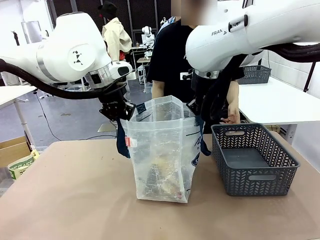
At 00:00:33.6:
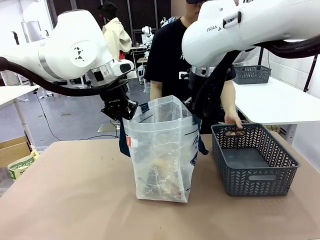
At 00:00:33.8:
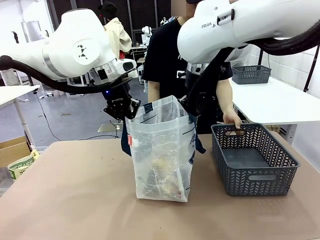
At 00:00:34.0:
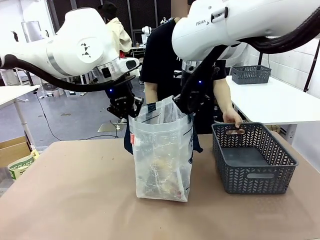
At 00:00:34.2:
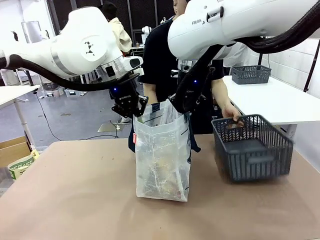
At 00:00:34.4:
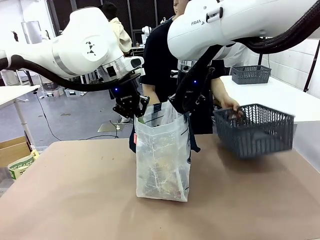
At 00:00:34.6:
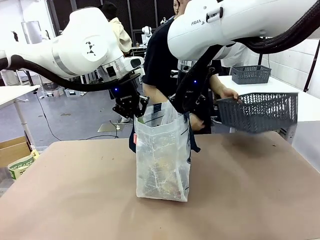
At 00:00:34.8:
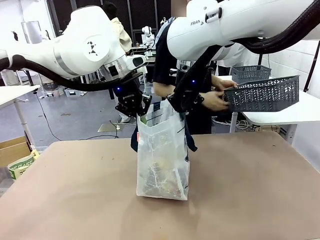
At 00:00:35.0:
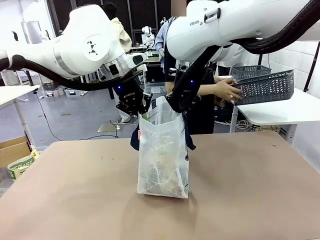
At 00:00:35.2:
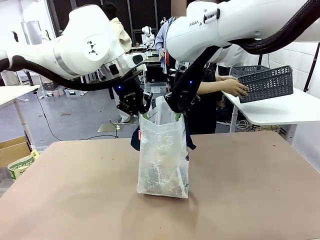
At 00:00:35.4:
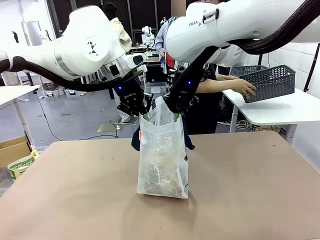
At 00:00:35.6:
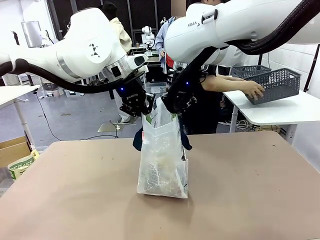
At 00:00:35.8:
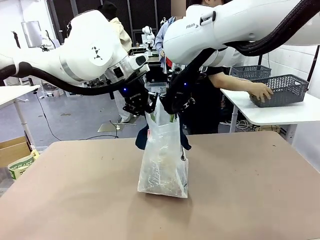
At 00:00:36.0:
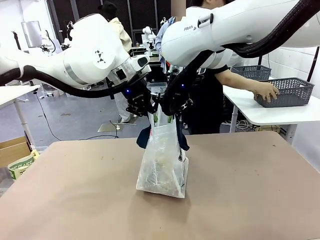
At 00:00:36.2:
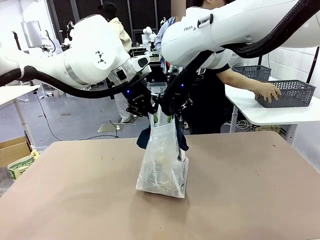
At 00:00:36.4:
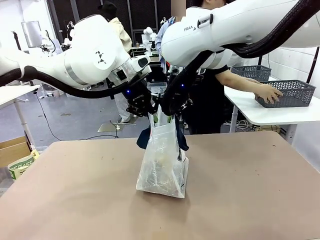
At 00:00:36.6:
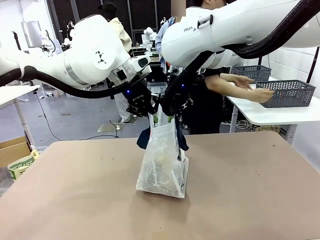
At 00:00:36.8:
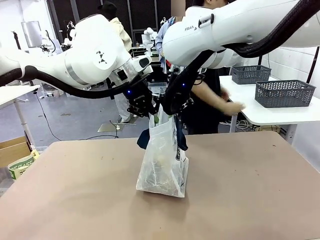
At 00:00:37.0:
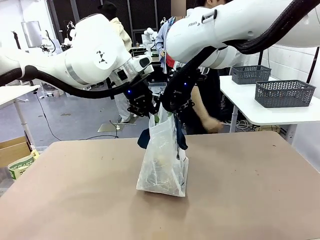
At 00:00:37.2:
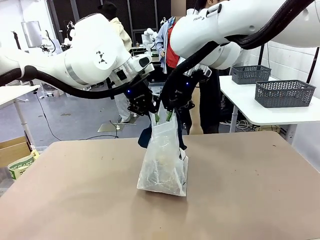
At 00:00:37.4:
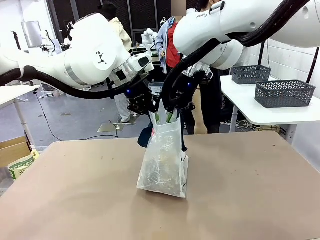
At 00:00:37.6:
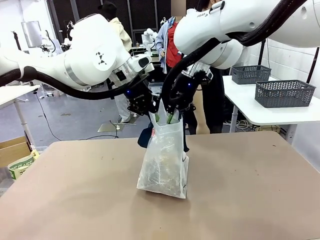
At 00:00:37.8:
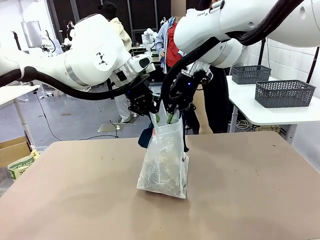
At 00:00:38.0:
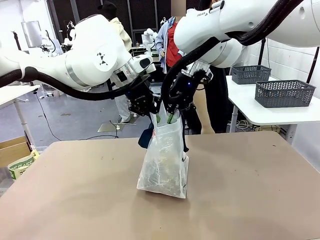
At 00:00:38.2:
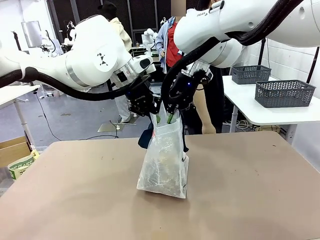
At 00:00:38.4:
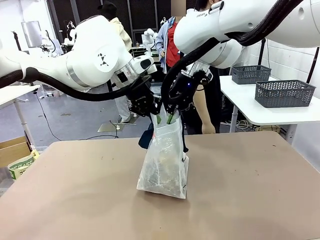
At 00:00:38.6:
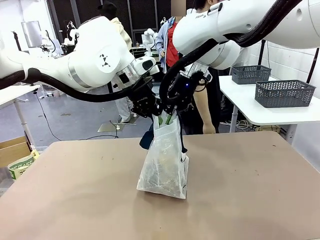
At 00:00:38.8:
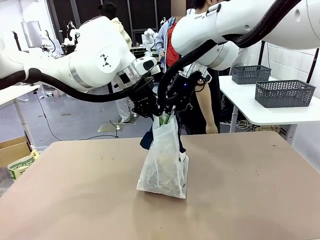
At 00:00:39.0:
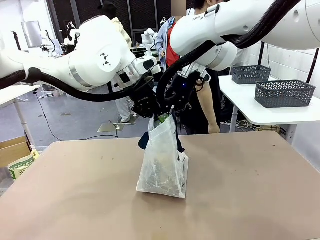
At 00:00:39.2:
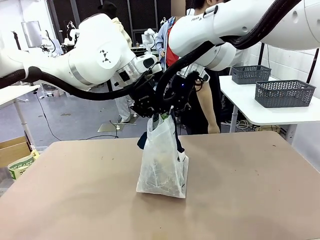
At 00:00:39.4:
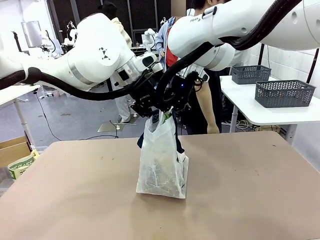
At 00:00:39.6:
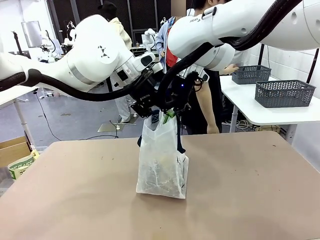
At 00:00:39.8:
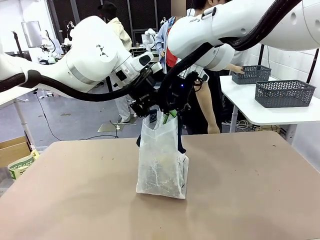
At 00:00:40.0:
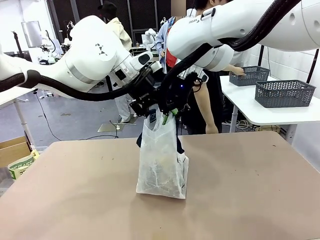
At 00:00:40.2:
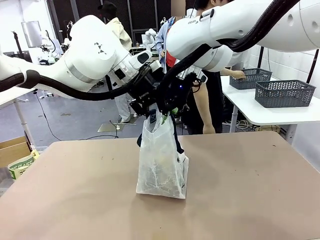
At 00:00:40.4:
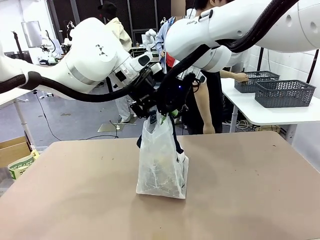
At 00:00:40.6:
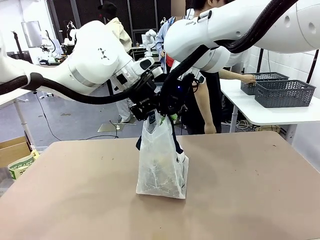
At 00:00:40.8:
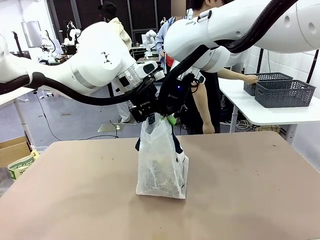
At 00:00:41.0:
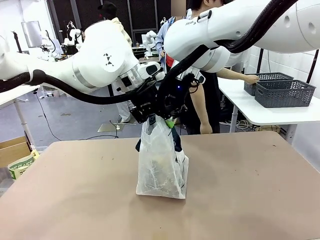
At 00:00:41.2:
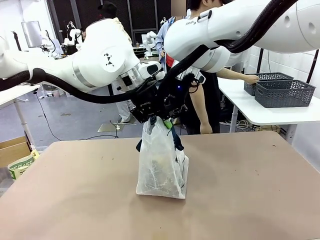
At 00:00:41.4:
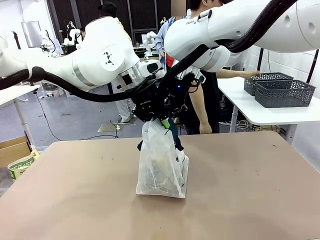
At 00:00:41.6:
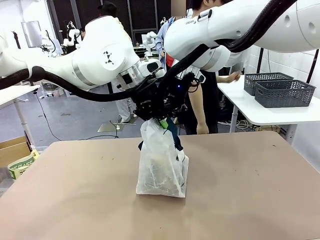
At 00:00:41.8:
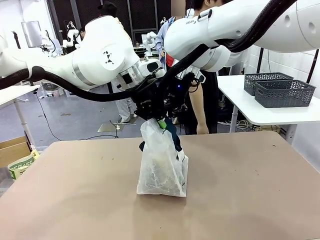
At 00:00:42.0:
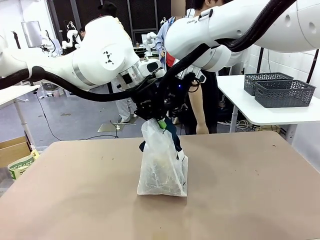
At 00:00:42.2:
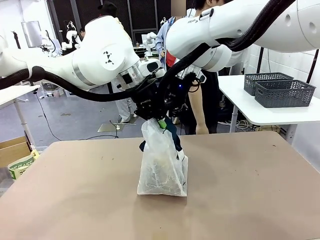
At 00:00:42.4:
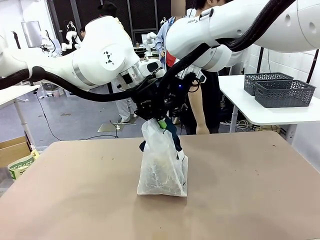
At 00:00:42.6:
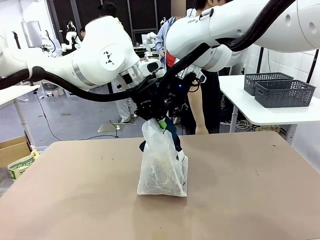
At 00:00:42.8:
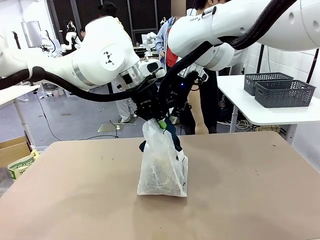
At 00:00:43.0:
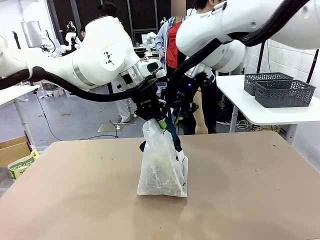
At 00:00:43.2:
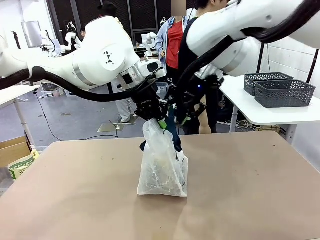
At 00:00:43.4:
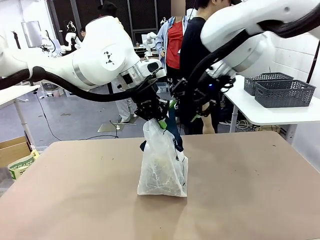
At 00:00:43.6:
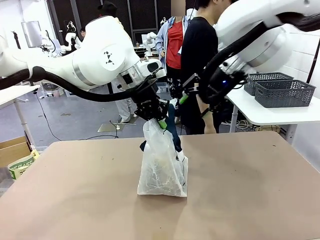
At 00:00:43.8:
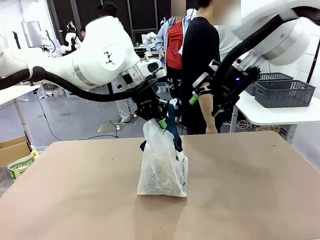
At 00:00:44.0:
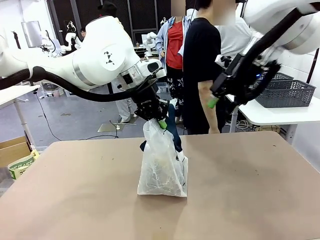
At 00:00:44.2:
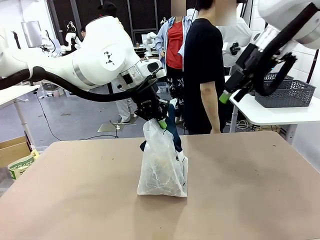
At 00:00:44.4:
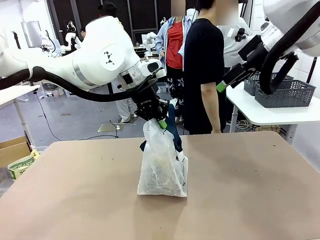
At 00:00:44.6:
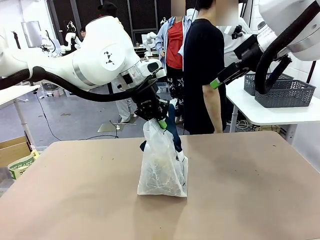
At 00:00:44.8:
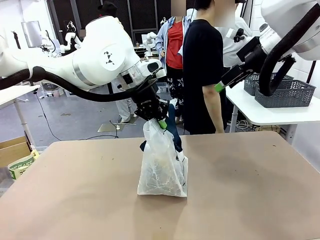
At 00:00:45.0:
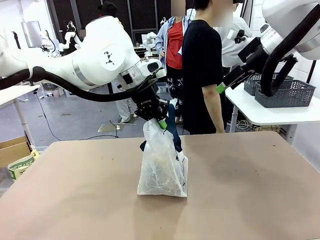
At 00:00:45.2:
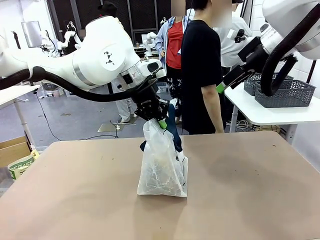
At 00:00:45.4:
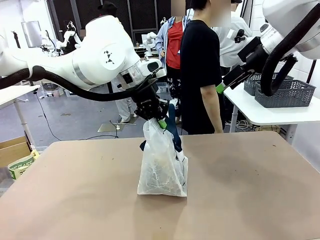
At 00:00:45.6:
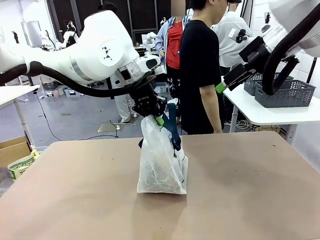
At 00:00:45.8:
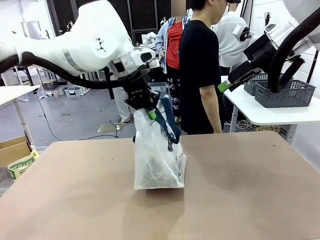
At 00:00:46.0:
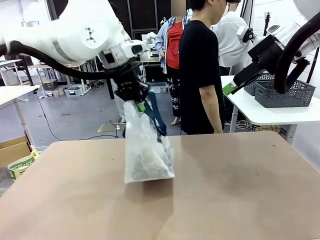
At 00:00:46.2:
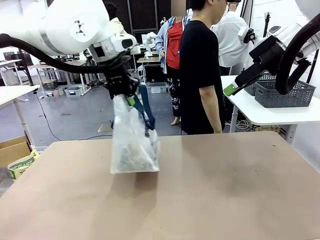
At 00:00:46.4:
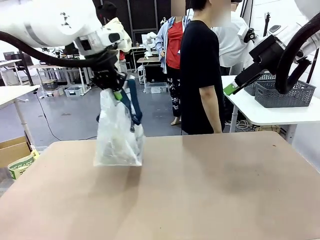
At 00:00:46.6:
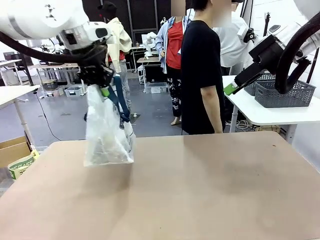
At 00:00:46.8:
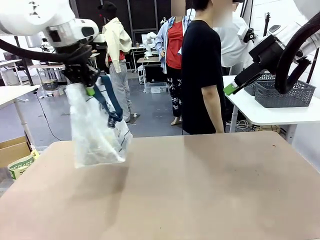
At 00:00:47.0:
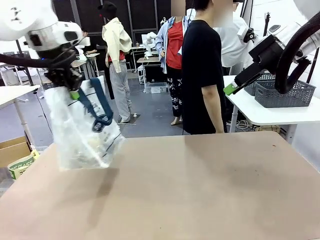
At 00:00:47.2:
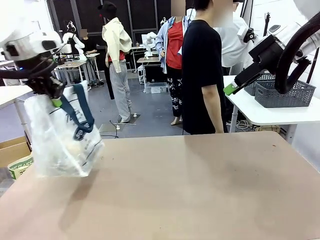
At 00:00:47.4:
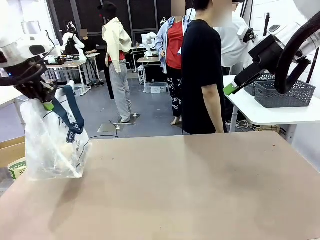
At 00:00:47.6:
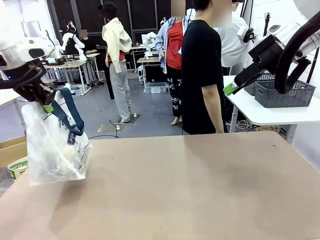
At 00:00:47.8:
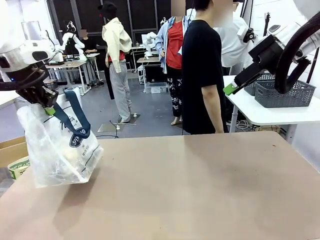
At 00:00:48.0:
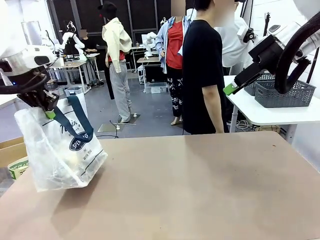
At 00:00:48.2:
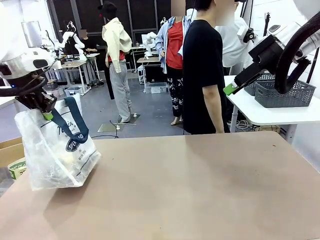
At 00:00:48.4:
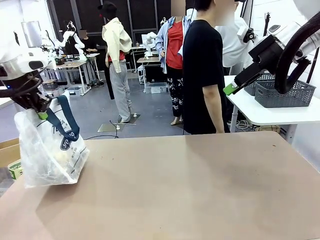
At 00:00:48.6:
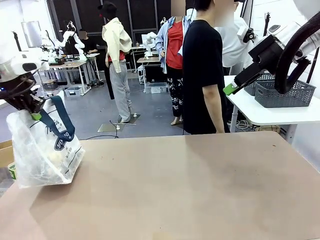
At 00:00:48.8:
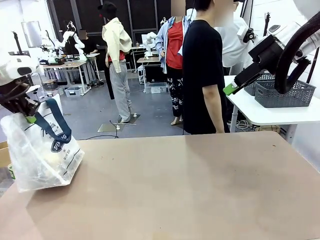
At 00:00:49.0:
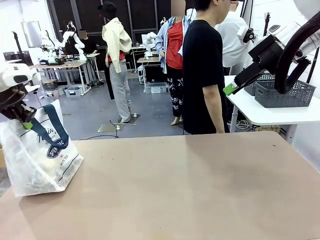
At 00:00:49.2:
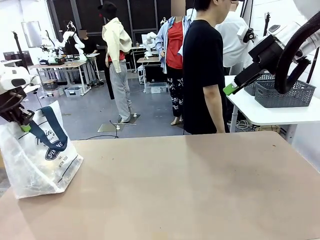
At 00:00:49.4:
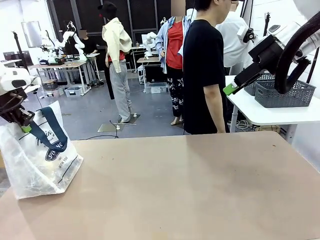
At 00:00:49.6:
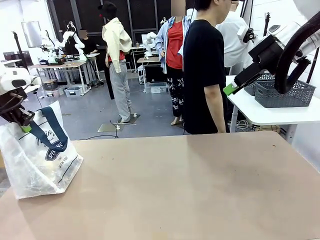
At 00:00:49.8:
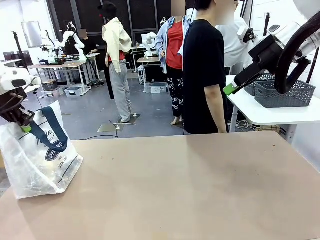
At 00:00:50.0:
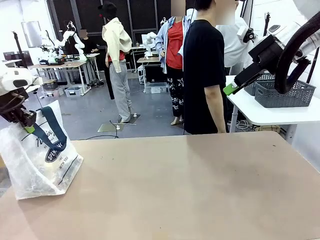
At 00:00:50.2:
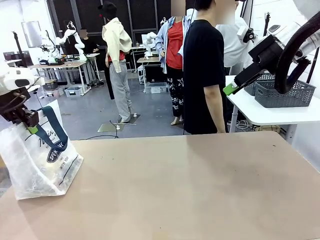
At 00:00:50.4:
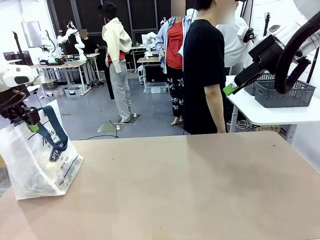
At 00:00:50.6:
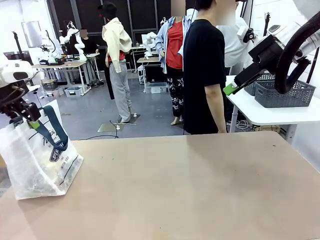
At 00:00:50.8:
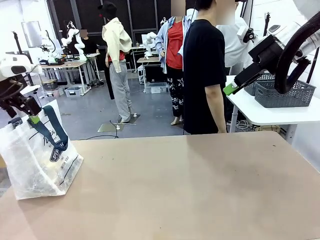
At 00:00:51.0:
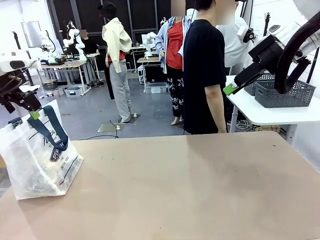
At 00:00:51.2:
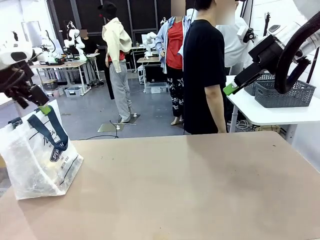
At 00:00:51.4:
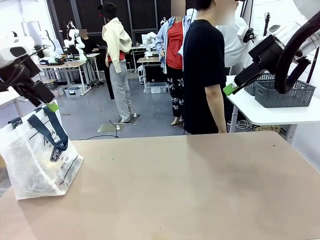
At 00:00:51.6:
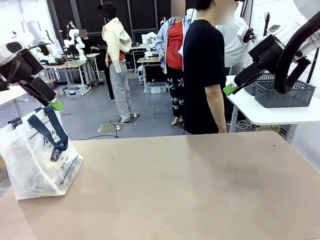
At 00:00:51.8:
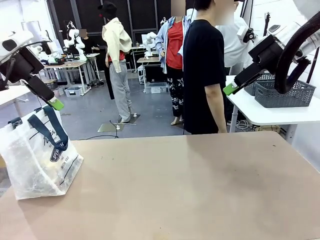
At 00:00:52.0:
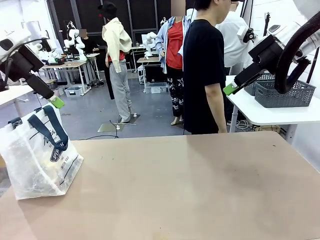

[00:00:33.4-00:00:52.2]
Task: Transfer purchased items from the store into the shopping bag.
Robot: Move the Reusable shopping bag to the right side of the table.
Person: Pick up the basket with the items out and place it on the right side of the human table. Move the basket on the left to the middle of the person's table.
